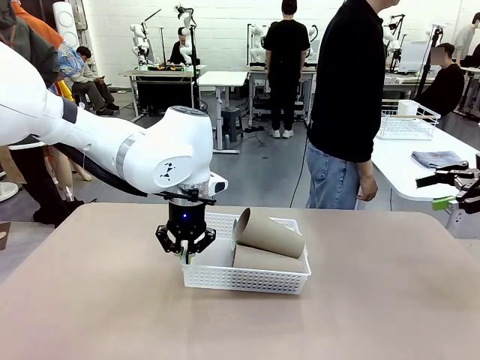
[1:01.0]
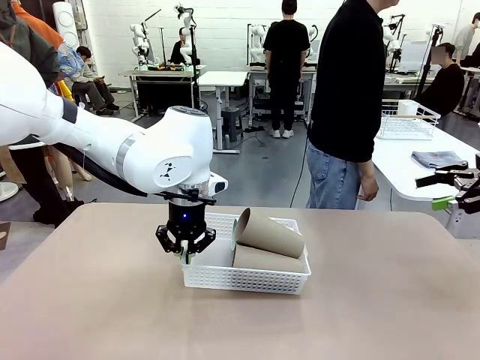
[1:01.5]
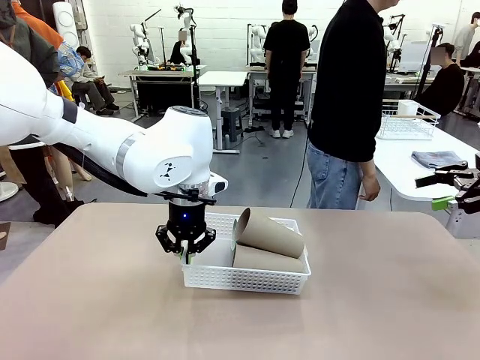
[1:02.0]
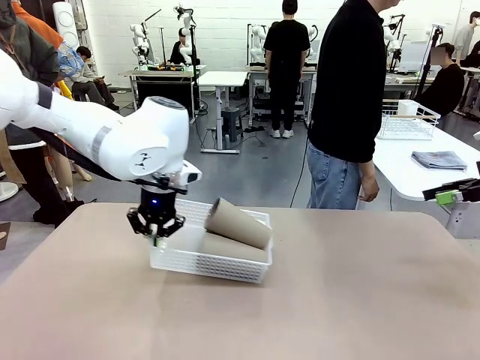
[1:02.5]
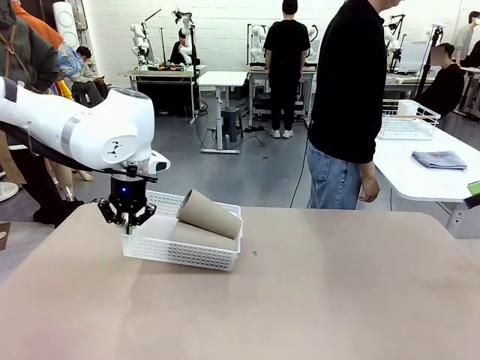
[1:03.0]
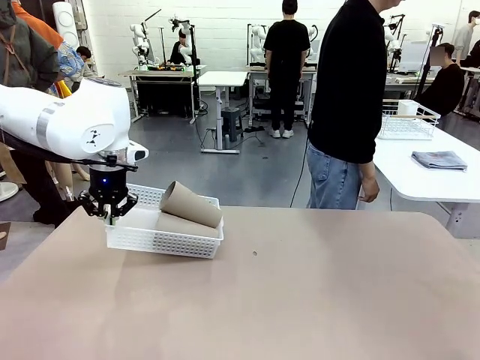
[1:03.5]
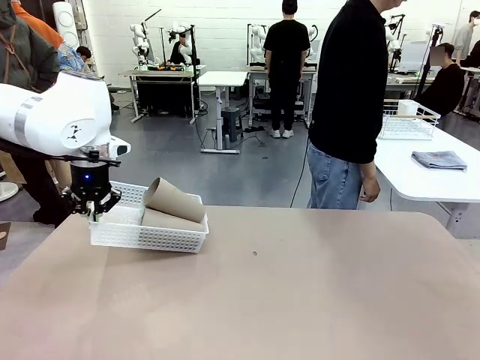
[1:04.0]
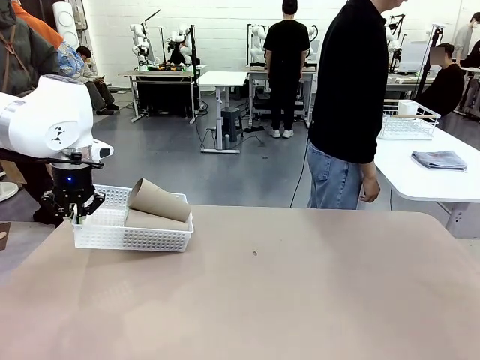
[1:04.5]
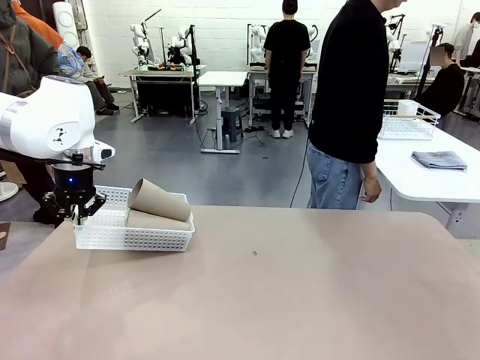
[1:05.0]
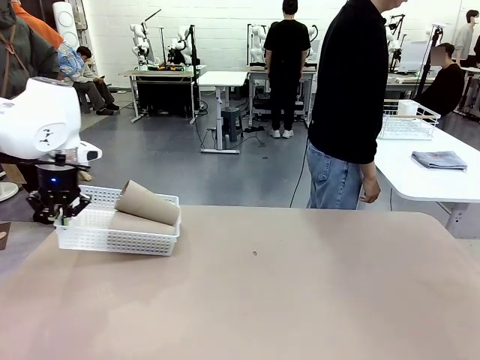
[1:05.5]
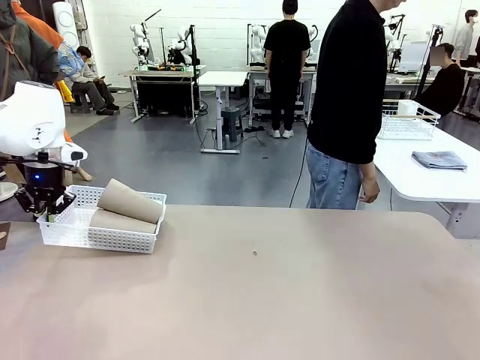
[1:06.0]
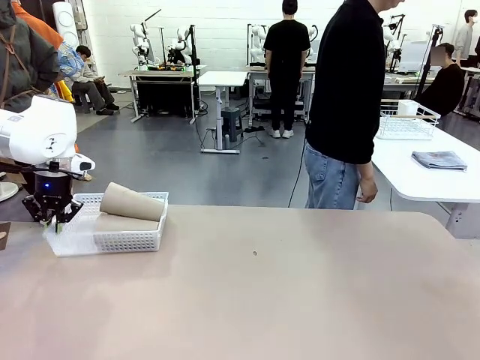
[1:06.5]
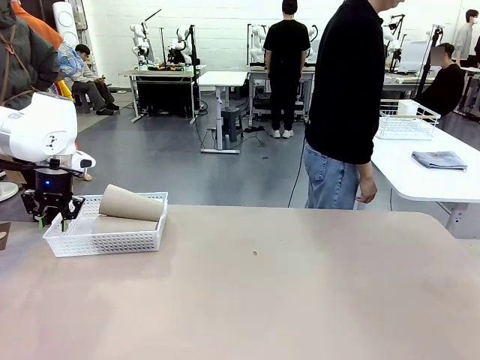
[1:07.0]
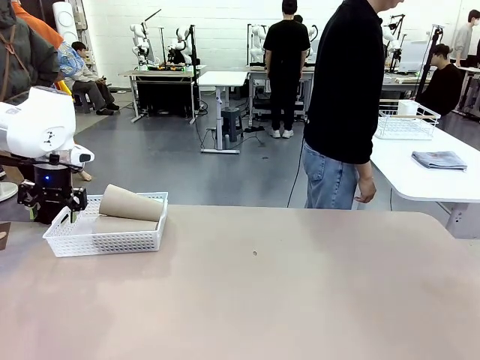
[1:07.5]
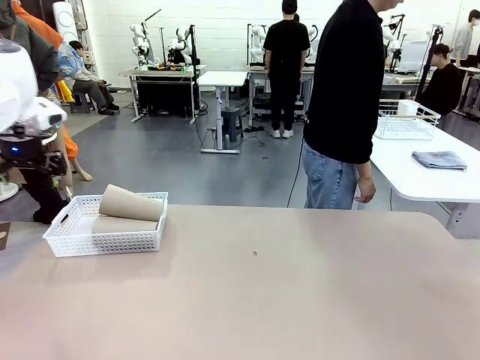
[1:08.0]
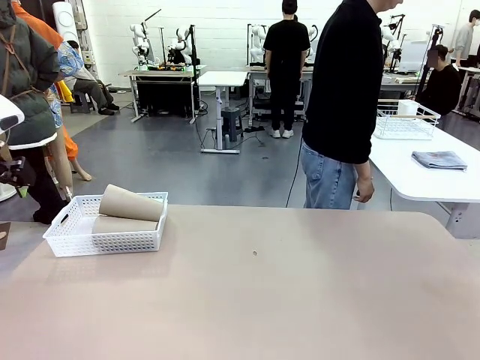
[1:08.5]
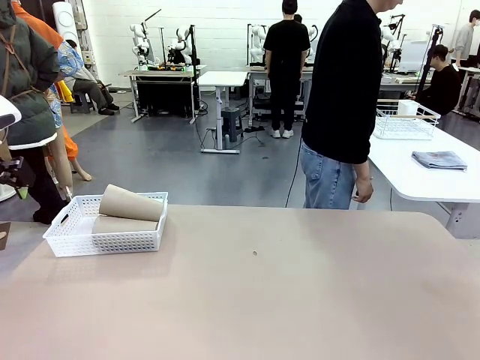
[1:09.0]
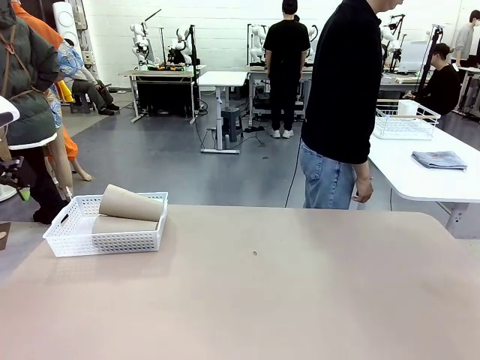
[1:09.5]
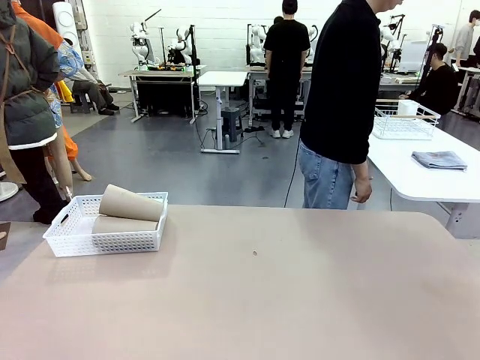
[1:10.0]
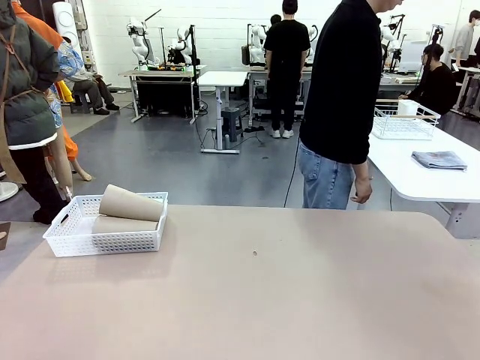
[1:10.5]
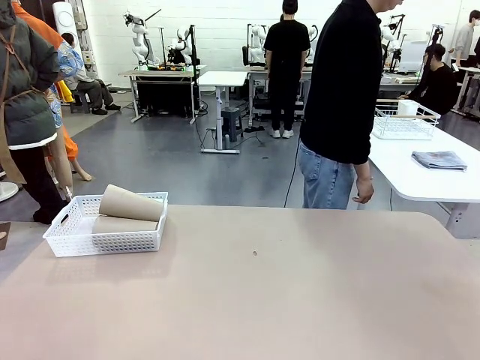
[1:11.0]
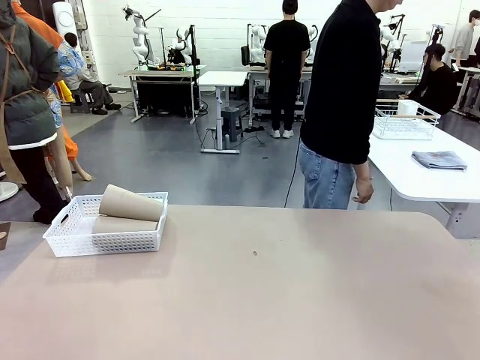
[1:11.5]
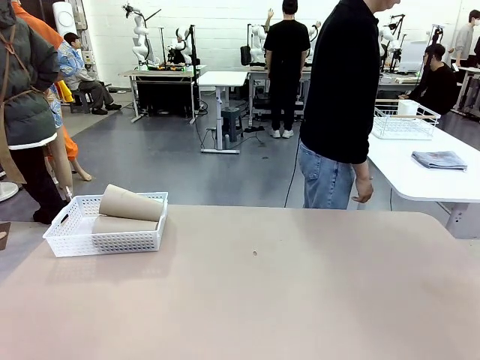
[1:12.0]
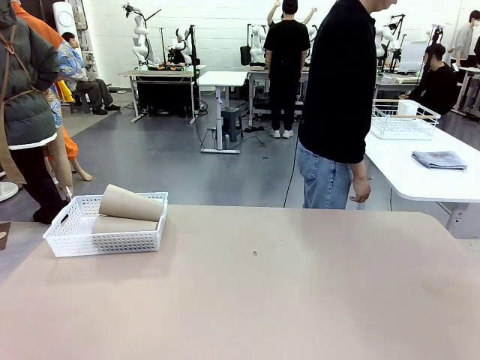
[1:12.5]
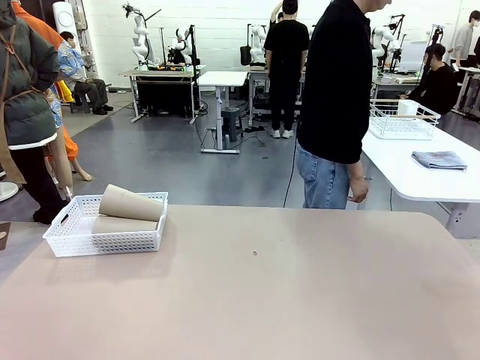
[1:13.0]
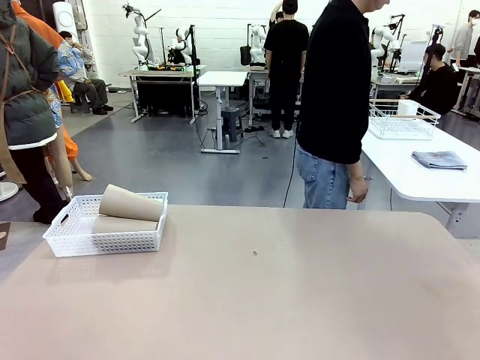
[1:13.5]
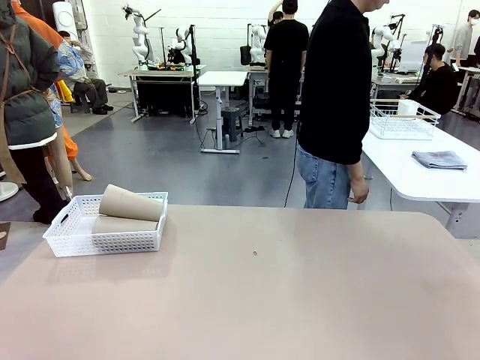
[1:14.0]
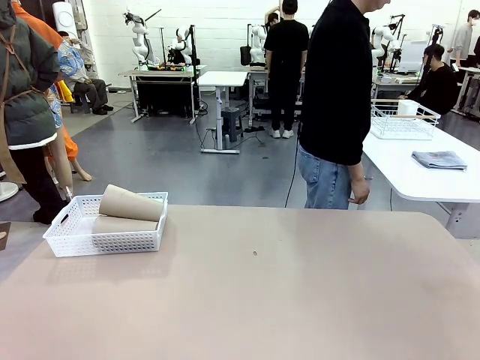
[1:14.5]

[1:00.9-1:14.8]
Task: Clean and organize the cups into the basket.
Robot: Move the Organizing basket back to the left side of the table.
Person: Folds the towel in half twice and places it in the right of the table.

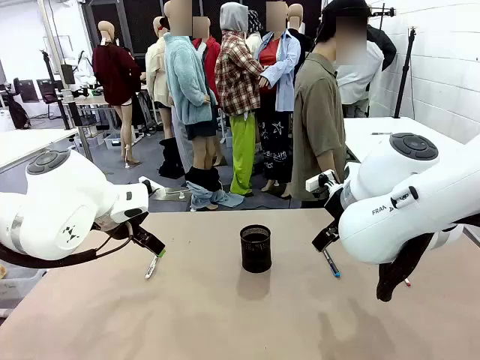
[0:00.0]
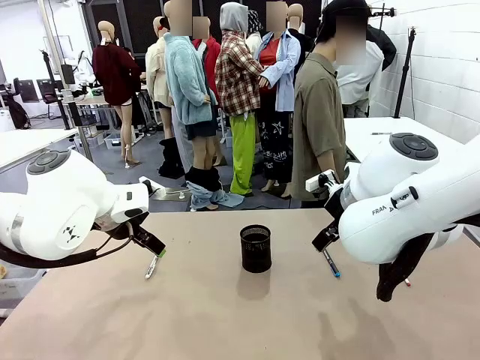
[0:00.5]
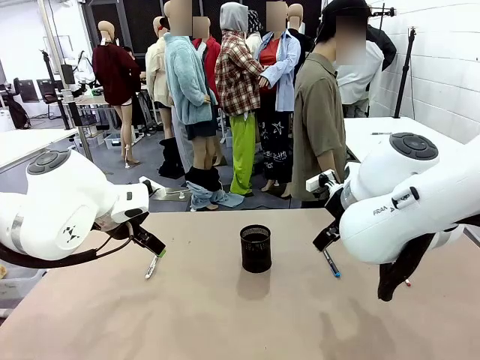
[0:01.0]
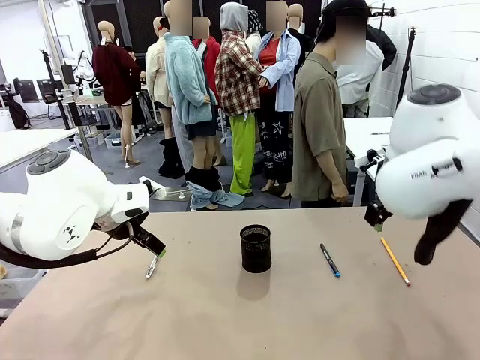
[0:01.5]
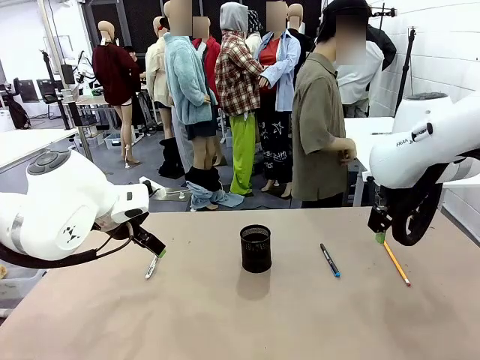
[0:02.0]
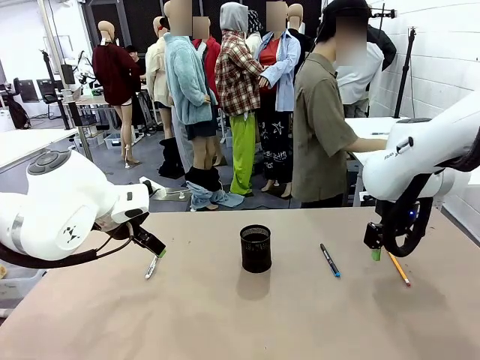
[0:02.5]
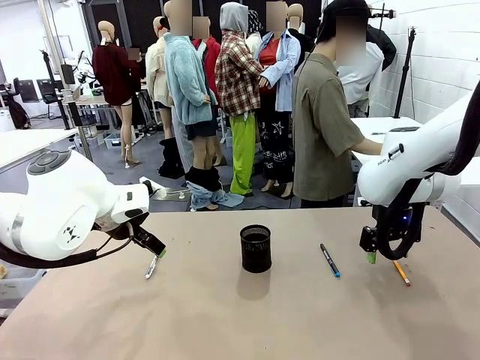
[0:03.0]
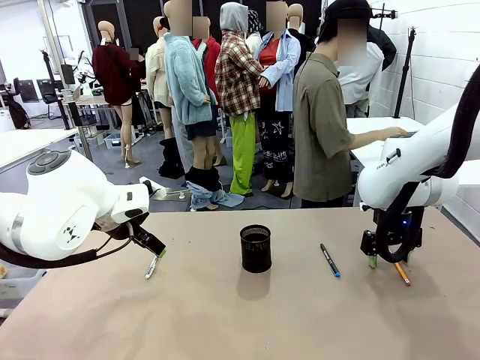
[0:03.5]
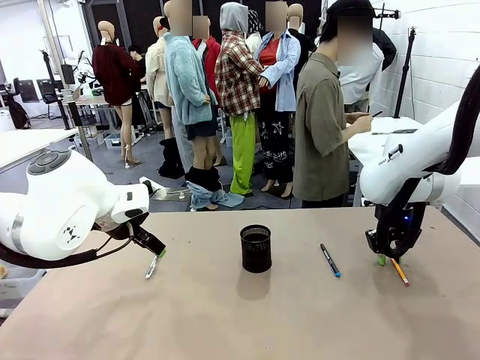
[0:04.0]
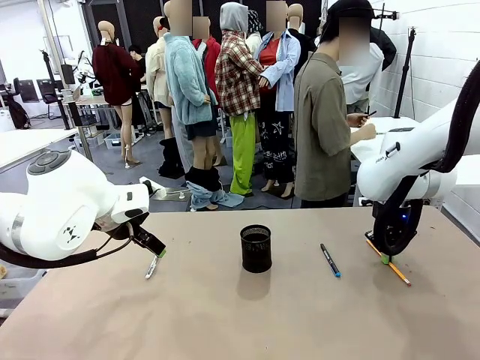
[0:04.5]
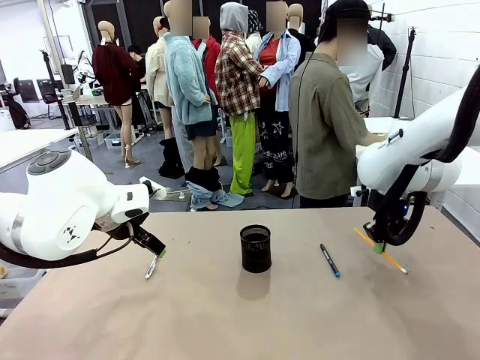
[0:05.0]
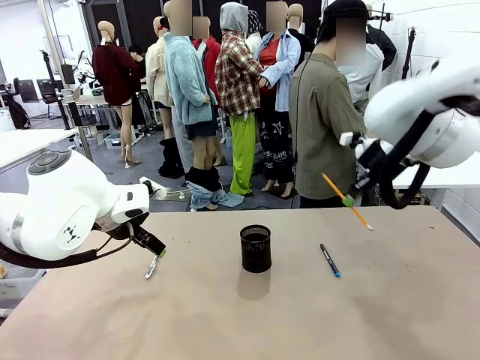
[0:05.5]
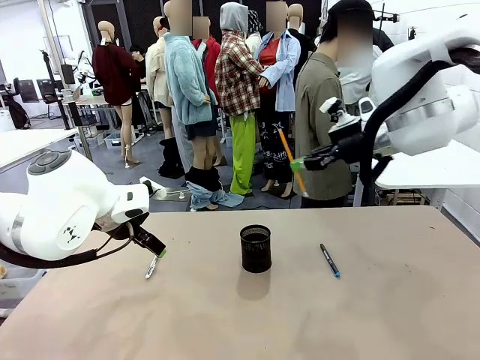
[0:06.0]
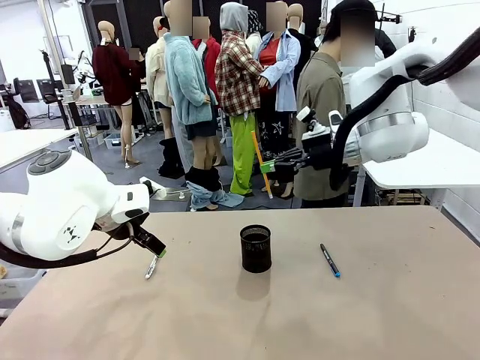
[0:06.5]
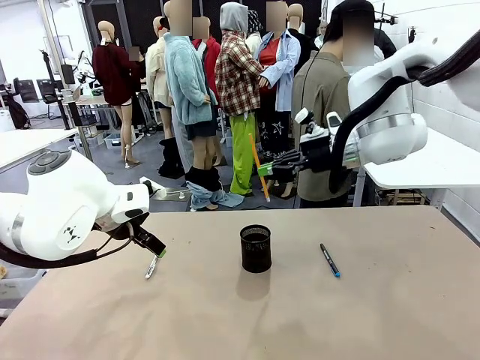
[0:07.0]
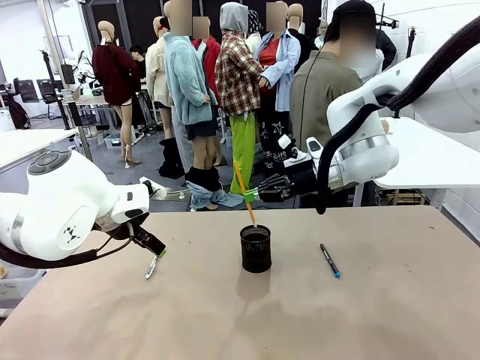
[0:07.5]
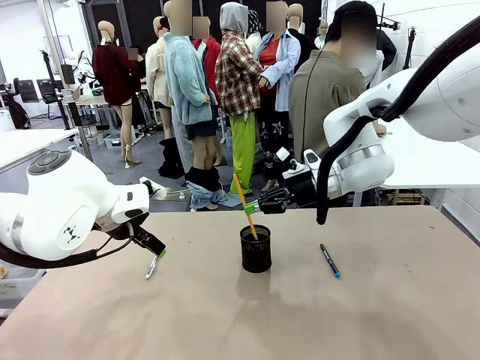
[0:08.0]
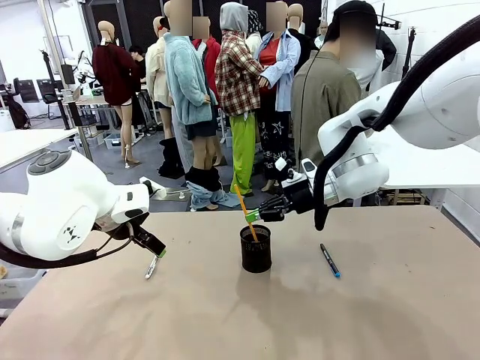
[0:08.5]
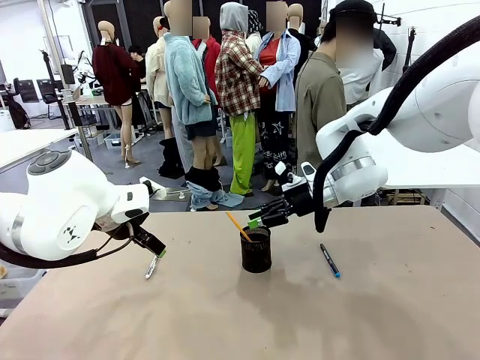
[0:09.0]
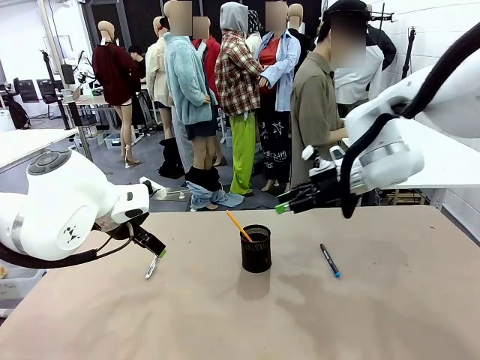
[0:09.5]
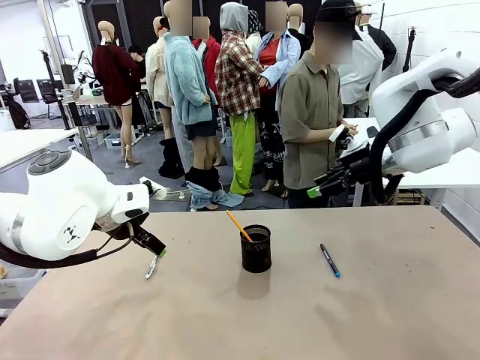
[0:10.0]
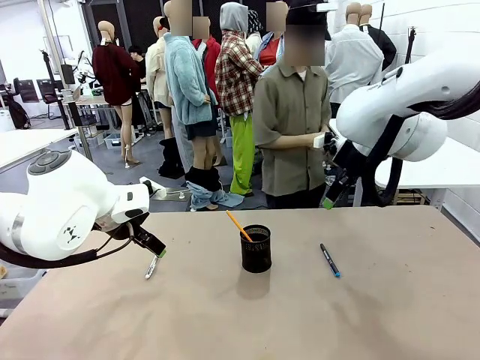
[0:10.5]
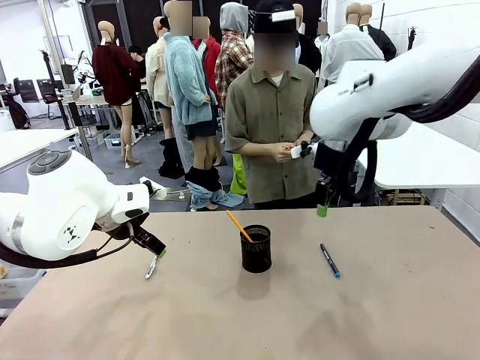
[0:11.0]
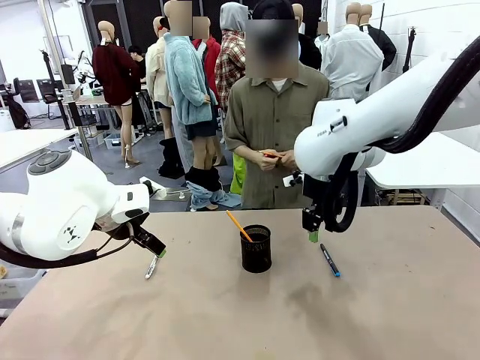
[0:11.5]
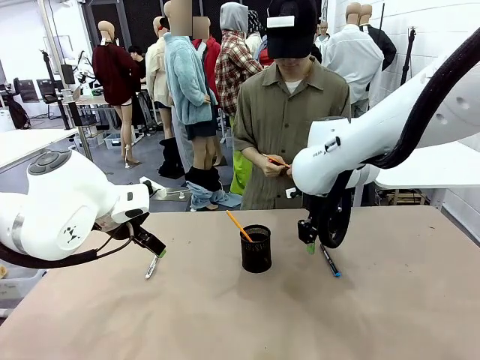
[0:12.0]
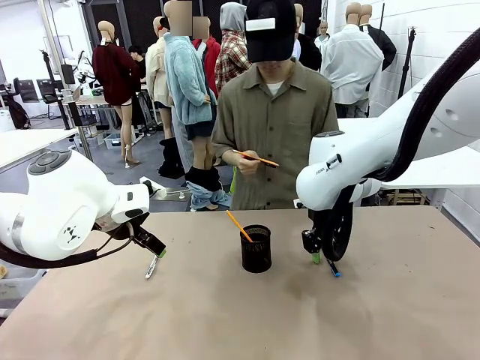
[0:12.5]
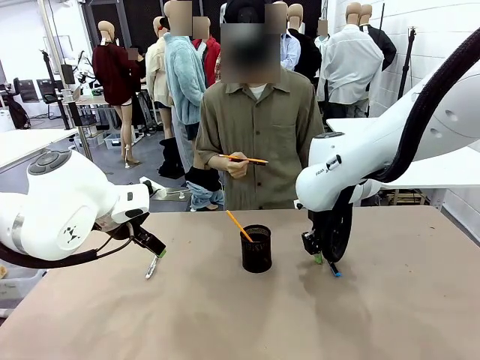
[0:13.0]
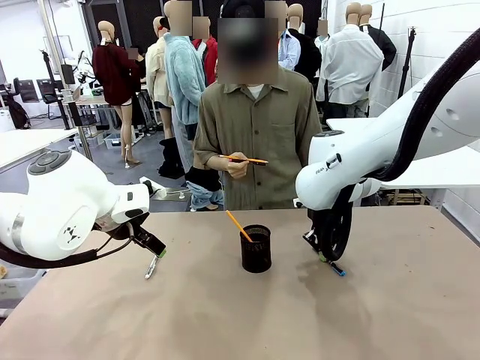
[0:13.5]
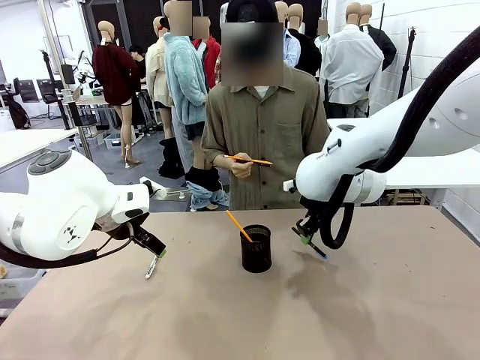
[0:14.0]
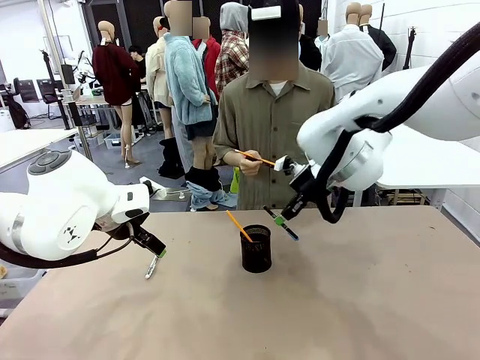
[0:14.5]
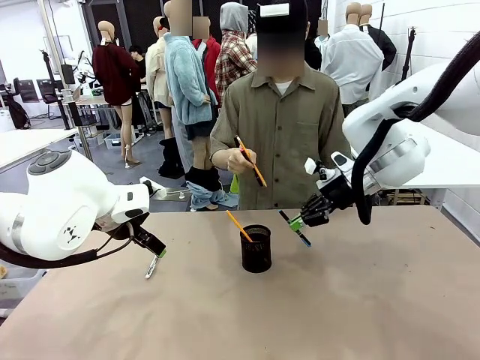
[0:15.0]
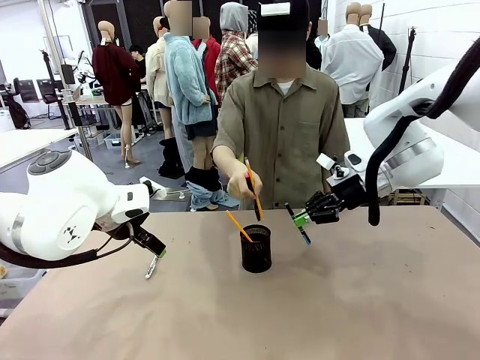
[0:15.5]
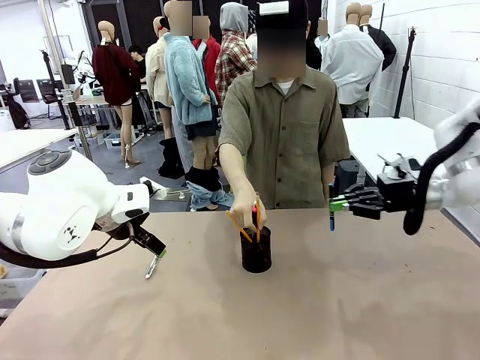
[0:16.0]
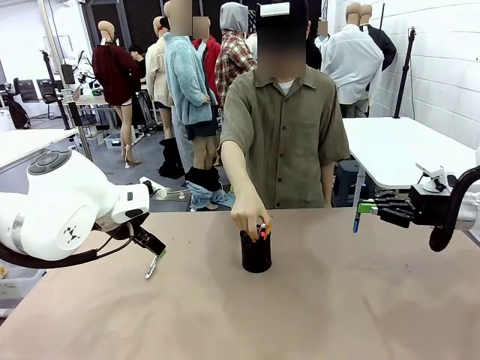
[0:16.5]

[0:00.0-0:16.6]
Task: Place the pens into the pen holder.
Robot: Pick up a writing instrument from the table and place it into the Pen holder.
Person: Pick up all writing instruments from the Human table.
